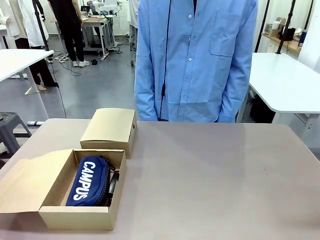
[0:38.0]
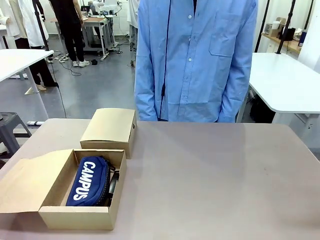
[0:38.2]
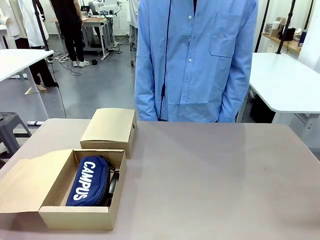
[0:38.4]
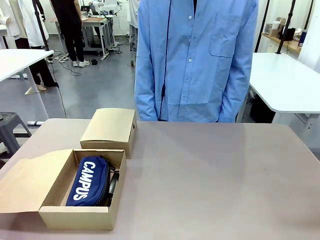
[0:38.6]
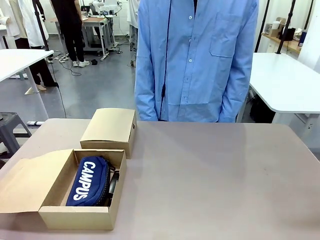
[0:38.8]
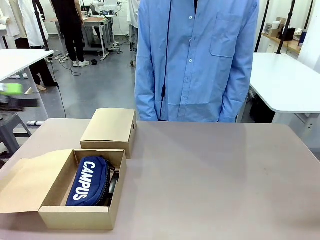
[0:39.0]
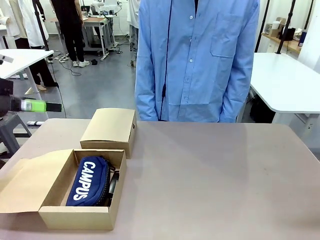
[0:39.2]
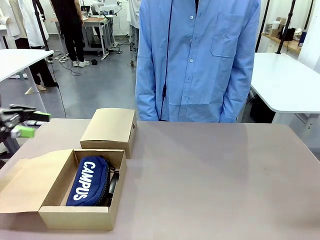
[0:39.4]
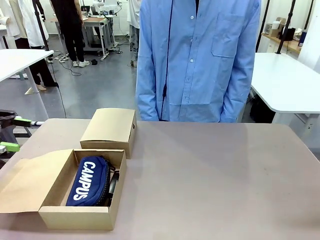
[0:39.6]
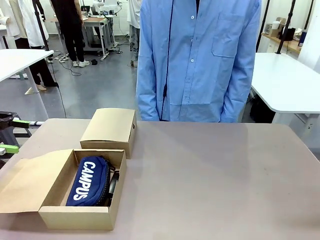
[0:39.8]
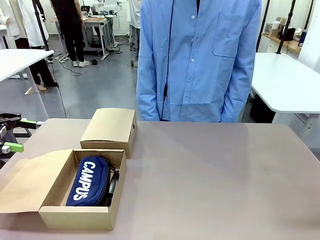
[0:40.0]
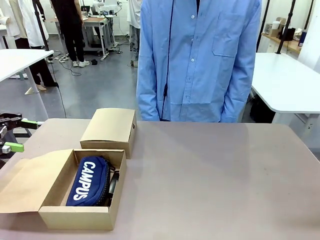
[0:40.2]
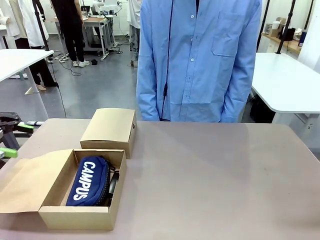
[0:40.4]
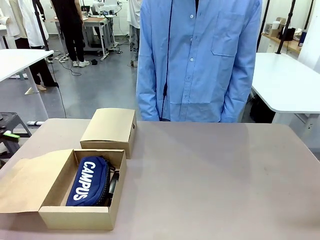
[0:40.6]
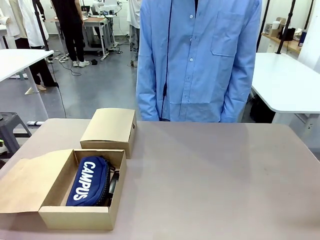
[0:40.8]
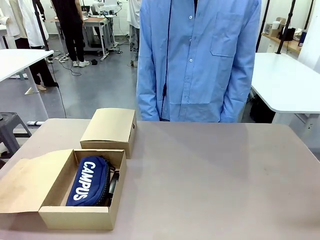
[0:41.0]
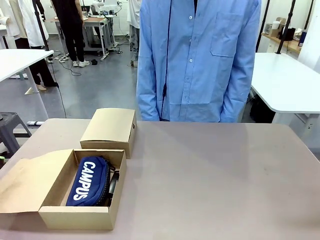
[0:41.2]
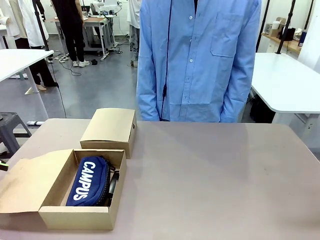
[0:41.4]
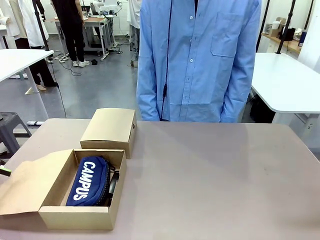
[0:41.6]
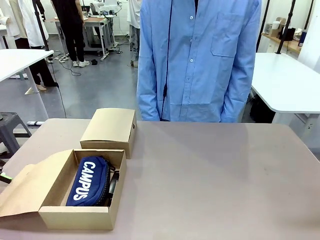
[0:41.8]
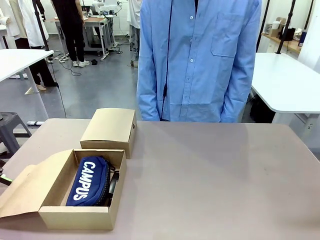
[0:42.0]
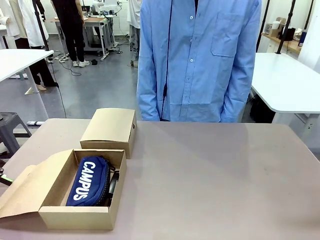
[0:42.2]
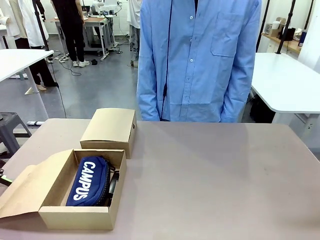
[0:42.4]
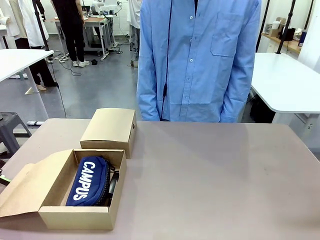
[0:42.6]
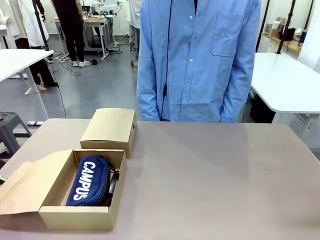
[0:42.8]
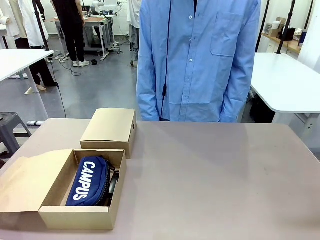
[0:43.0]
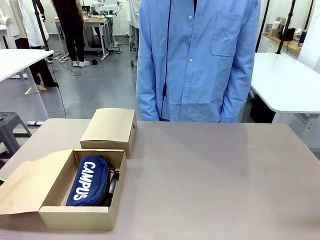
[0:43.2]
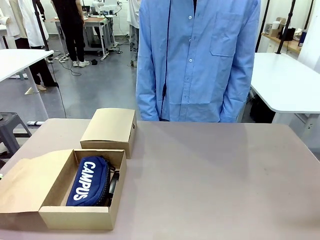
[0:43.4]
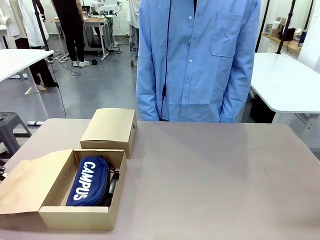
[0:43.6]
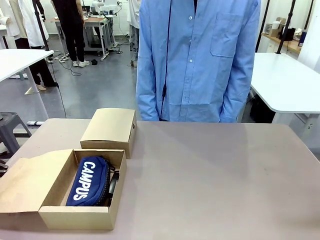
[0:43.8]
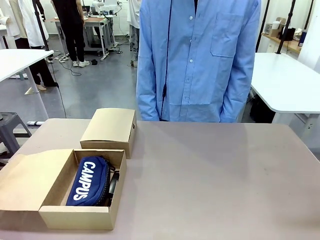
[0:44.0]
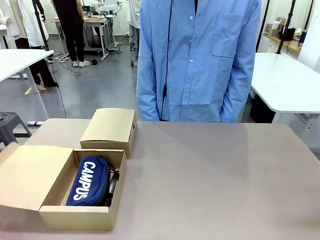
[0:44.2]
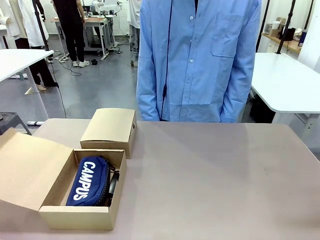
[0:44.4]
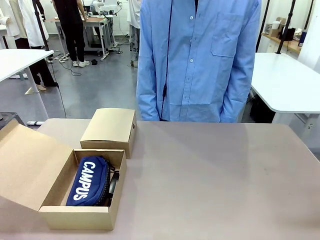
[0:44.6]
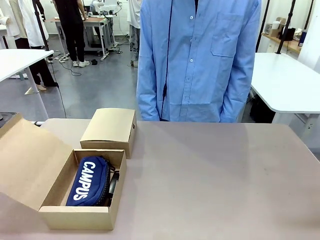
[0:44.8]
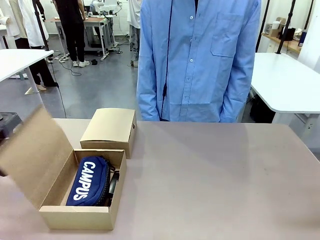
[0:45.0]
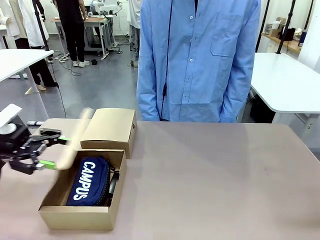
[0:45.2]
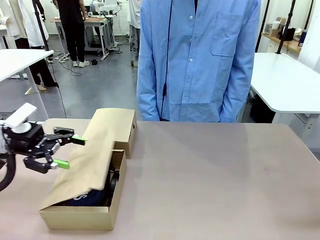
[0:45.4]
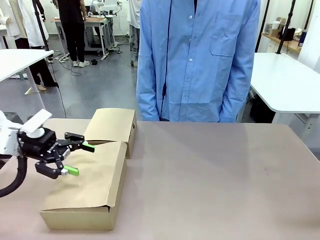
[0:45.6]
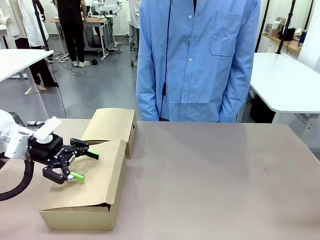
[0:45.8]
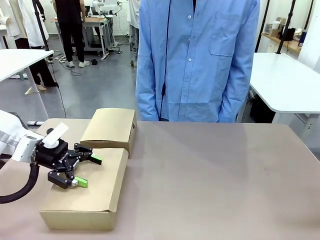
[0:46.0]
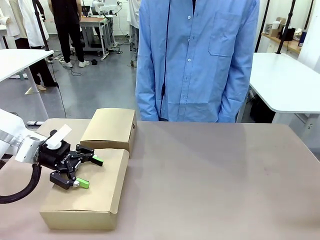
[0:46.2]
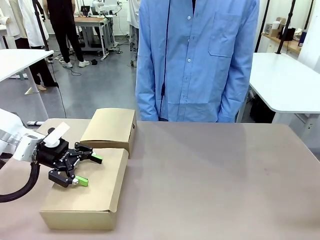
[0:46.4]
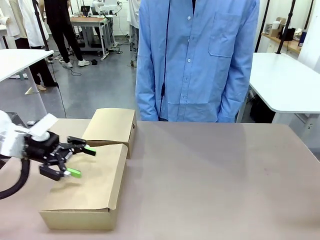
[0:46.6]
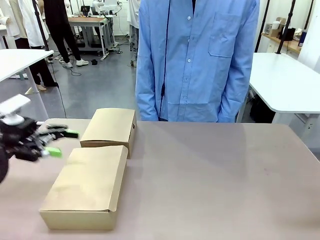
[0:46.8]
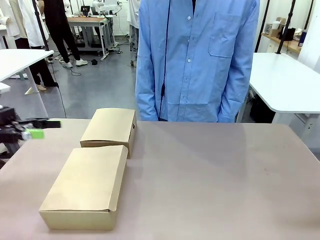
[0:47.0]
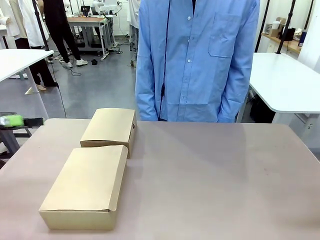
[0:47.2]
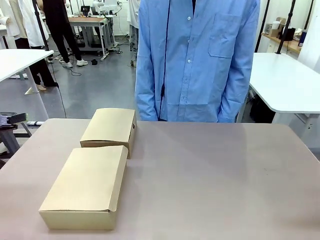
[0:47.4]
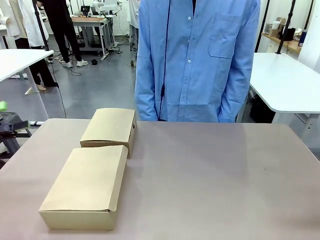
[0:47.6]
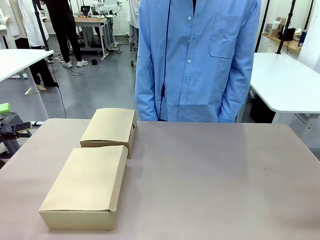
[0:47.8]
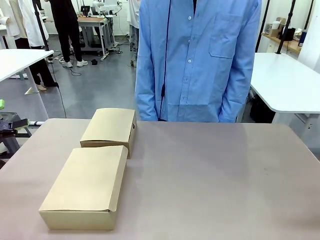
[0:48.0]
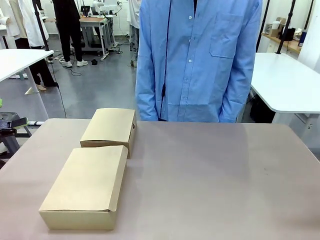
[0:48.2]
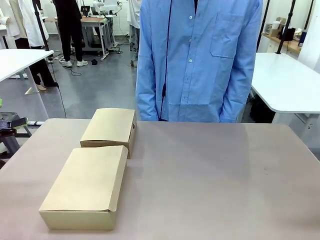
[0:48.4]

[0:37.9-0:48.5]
Task: Place items inside the box.
Robot: Close the lid of the Mailer Box closest to the robot.

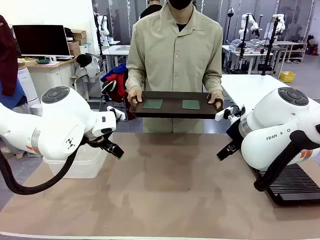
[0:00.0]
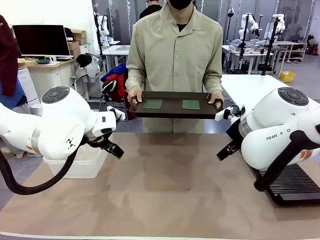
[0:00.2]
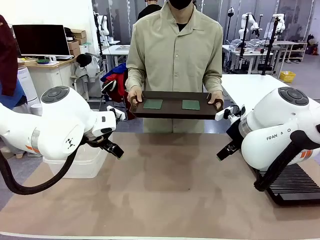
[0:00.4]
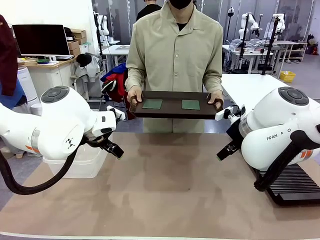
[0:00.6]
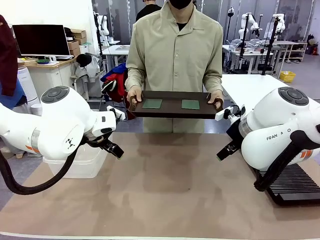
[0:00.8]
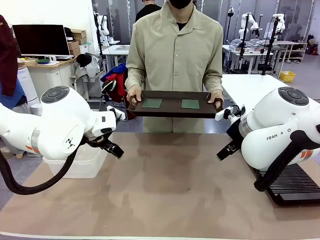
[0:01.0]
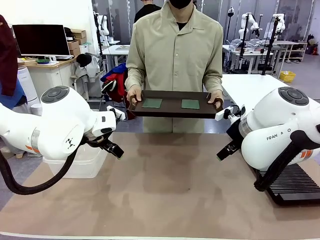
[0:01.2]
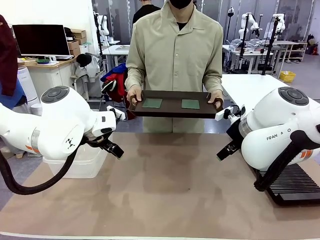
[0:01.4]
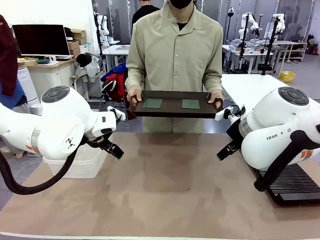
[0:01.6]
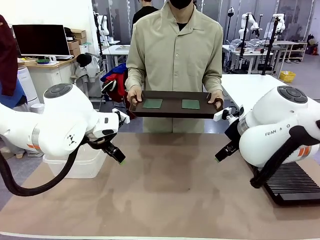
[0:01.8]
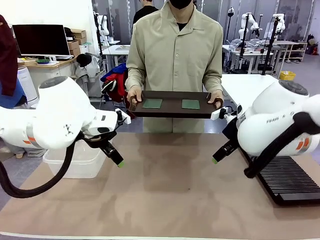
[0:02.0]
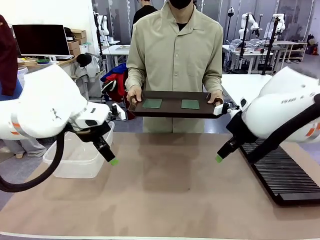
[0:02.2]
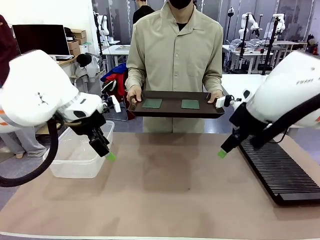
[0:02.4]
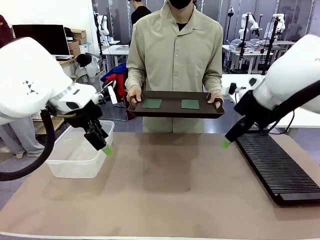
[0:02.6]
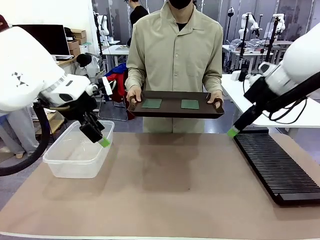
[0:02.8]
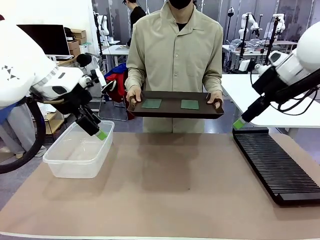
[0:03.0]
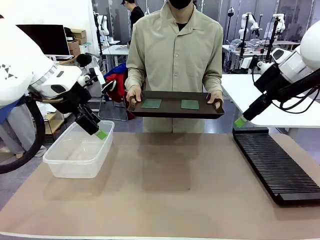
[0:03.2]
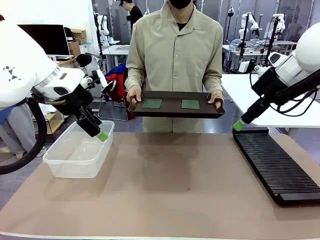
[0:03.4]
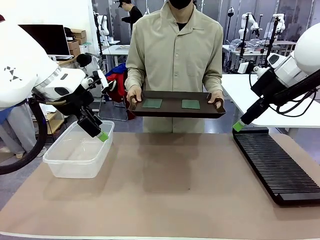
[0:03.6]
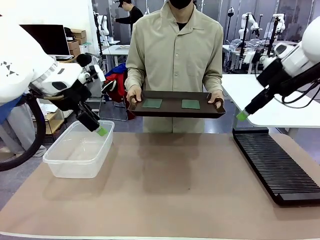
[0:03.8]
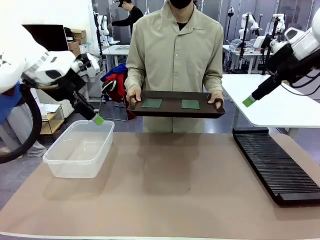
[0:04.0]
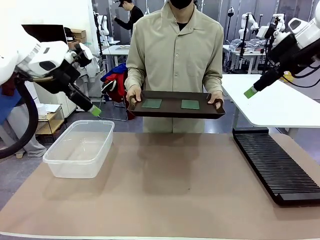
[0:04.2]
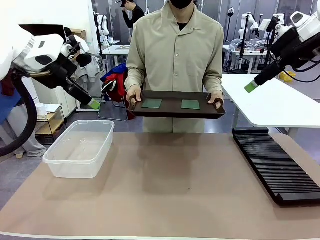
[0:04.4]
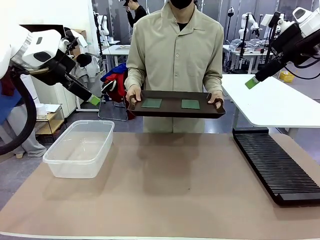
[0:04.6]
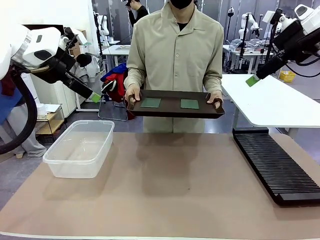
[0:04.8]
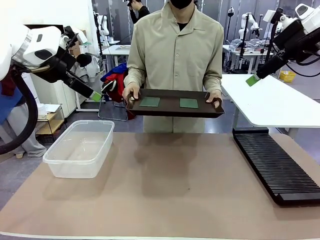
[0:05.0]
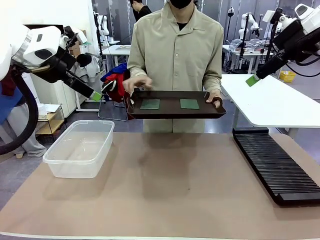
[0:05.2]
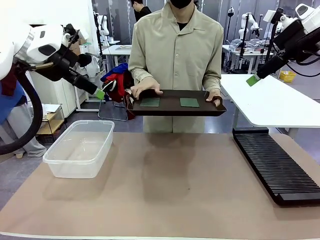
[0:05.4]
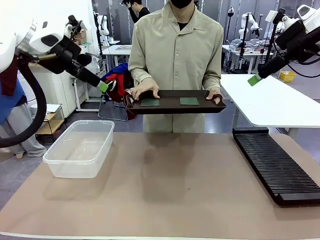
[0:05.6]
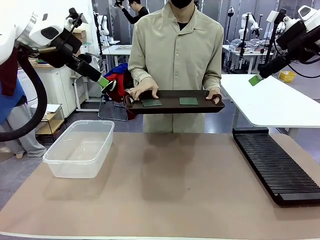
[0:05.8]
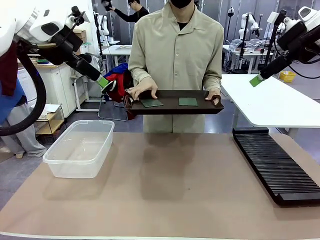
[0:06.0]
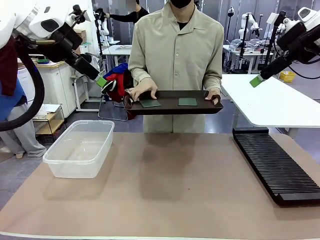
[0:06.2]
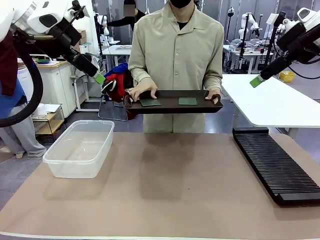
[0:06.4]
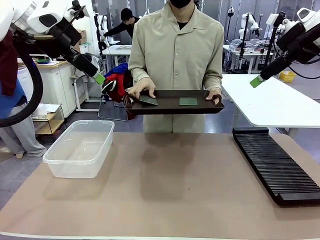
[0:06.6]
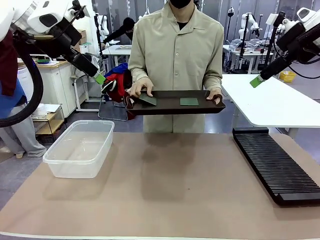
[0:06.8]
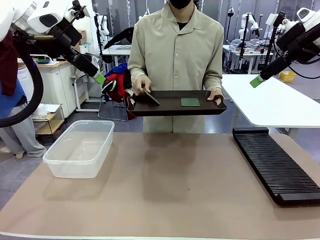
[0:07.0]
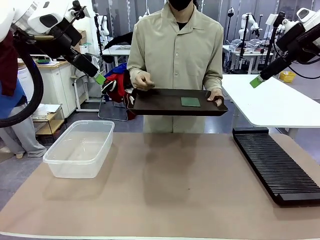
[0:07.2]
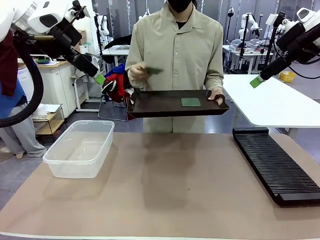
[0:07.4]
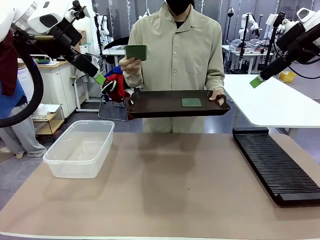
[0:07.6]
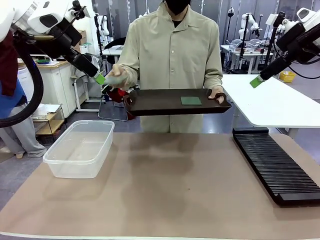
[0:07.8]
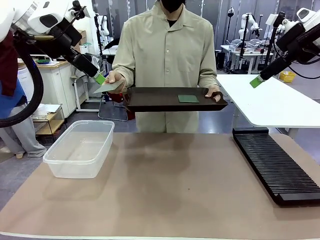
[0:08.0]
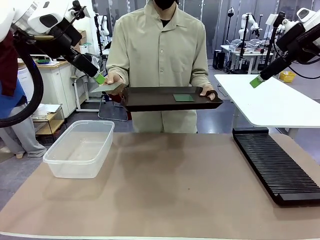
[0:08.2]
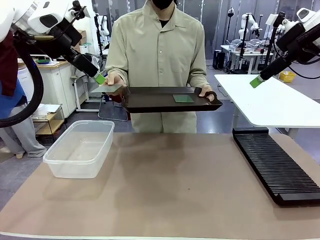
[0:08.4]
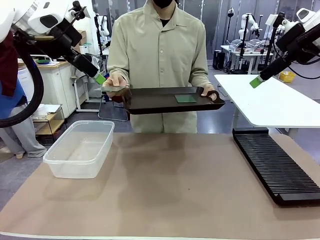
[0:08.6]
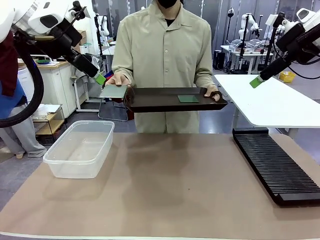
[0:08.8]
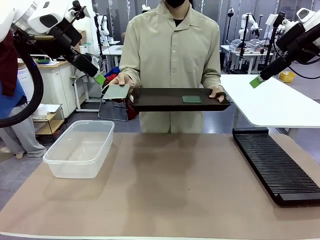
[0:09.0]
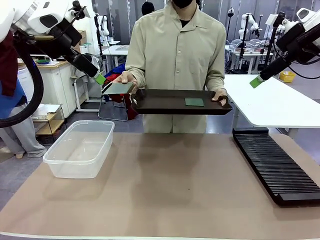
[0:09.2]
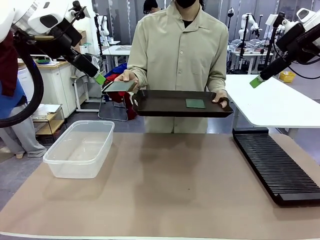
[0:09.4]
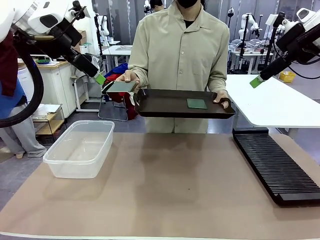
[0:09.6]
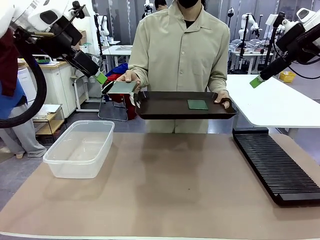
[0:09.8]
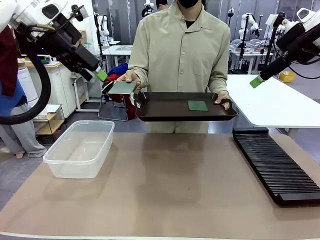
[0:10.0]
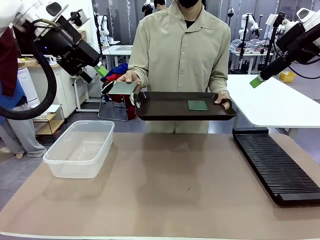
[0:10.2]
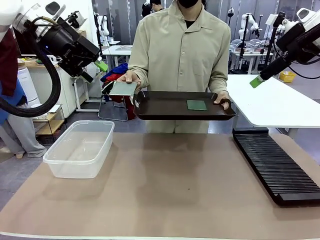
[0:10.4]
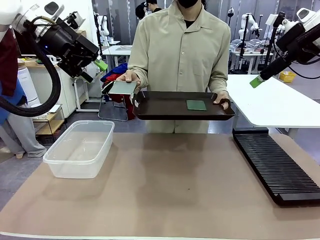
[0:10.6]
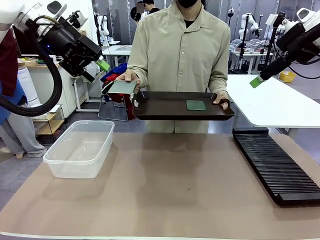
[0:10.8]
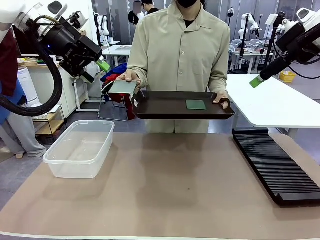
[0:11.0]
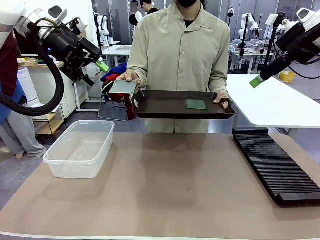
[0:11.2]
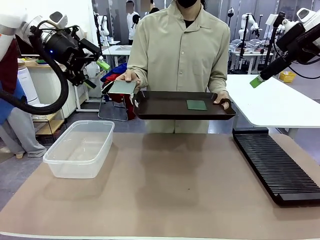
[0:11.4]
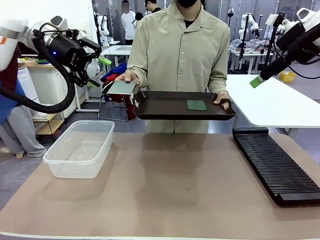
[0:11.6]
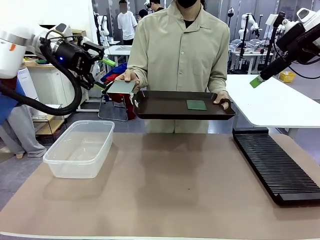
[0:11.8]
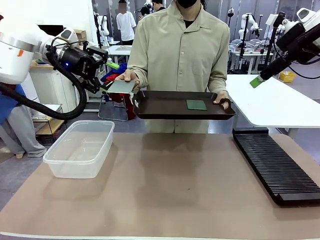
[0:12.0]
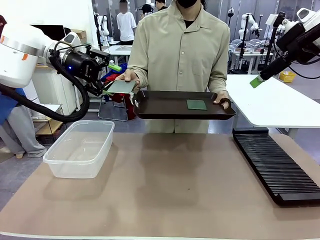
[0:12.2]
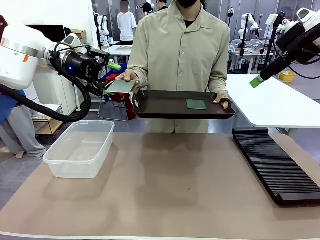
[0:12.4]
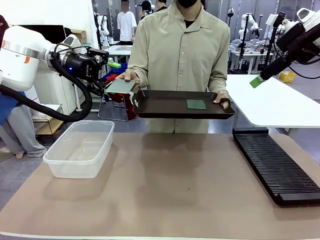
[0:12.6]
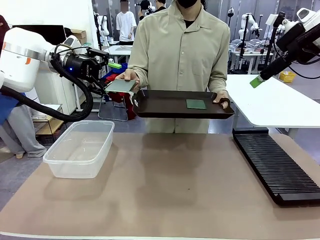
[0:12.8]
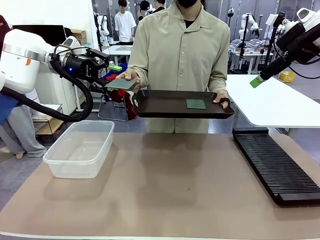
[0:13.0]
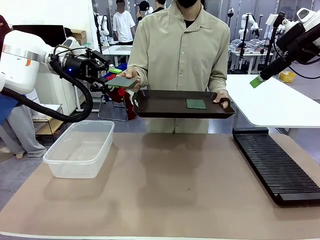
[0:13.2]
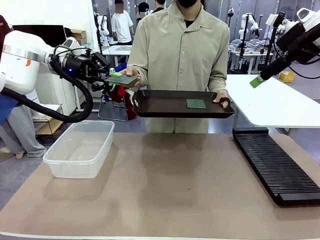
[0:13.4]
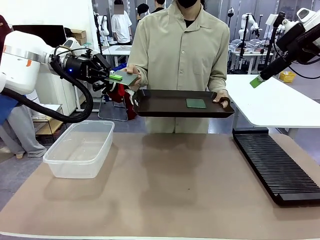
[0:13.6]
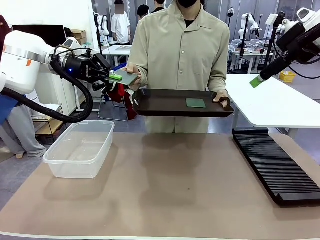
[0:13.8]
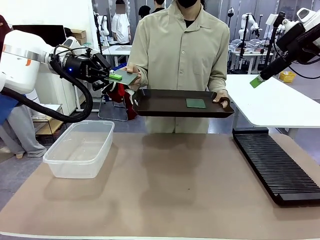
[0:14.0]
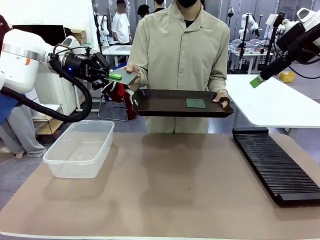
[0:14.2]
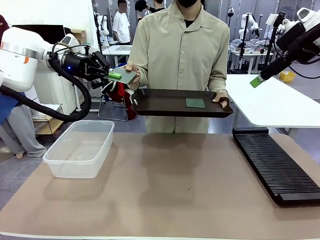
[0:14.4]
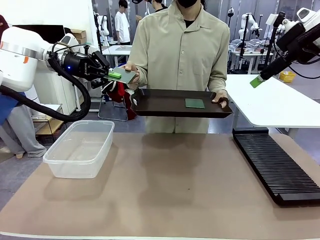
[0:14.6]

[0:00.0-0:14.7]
Task: Sort PCBs into racks and boxes based on the side picked up.
Robot: Pick up the Blank PCB handed by the Human.
Person: Pick one PCB from the tray and present it to the robot. Release the PCB being held.
